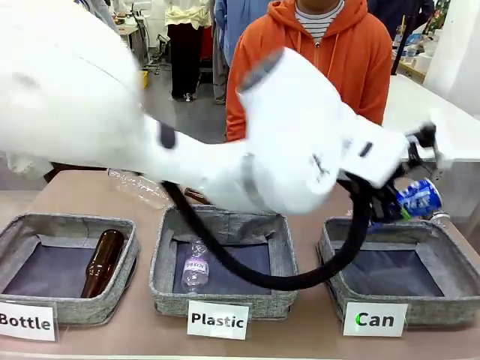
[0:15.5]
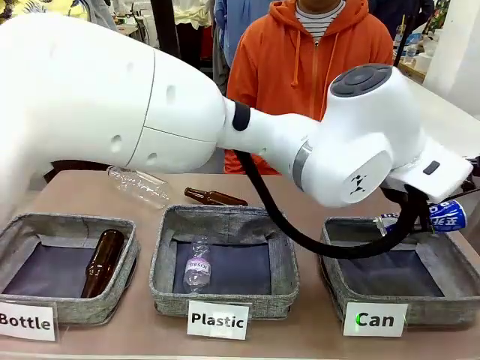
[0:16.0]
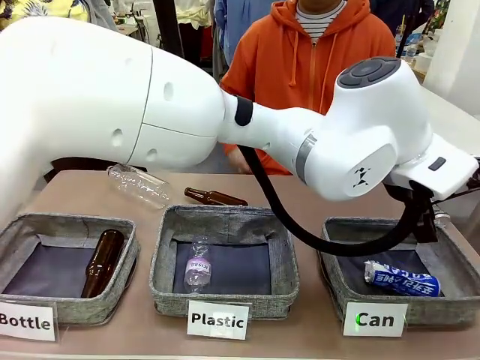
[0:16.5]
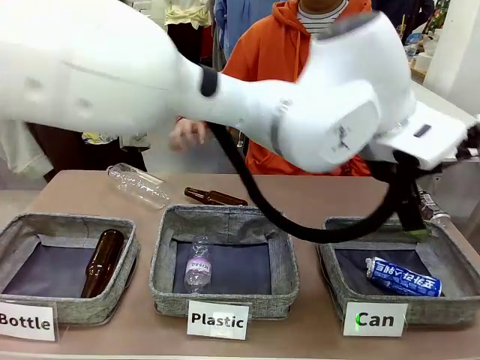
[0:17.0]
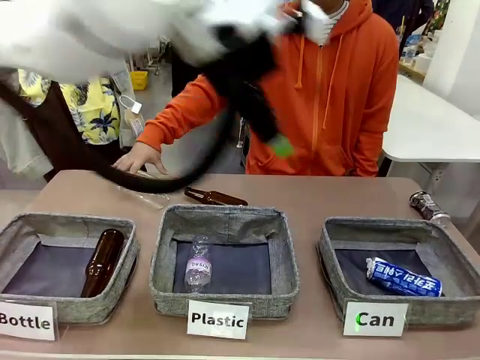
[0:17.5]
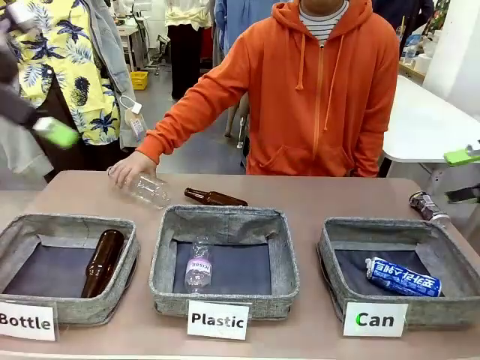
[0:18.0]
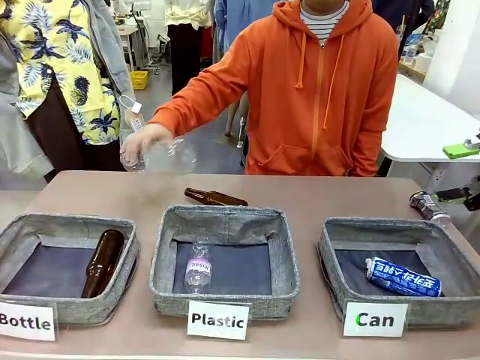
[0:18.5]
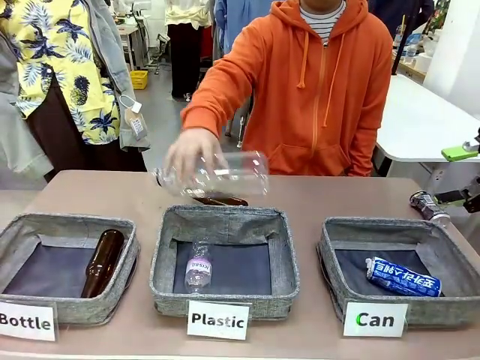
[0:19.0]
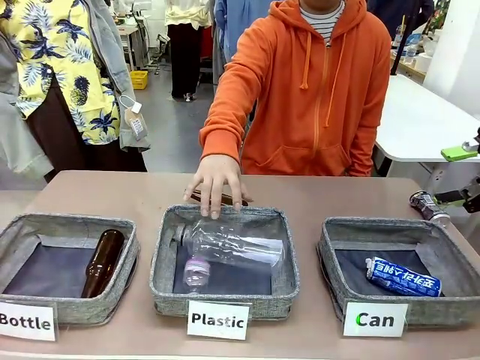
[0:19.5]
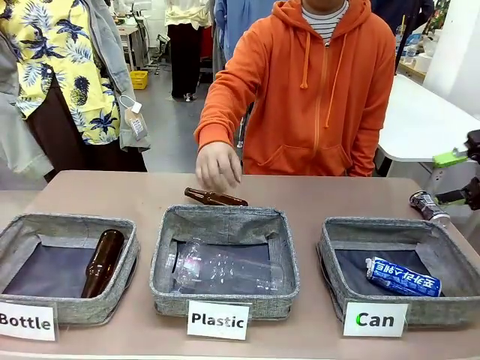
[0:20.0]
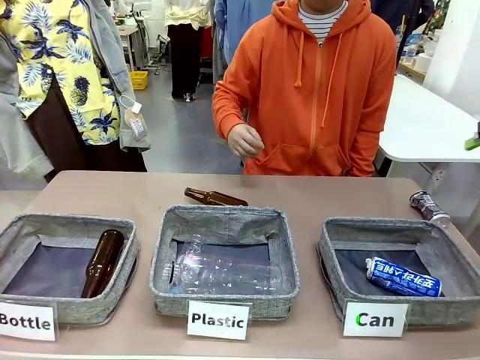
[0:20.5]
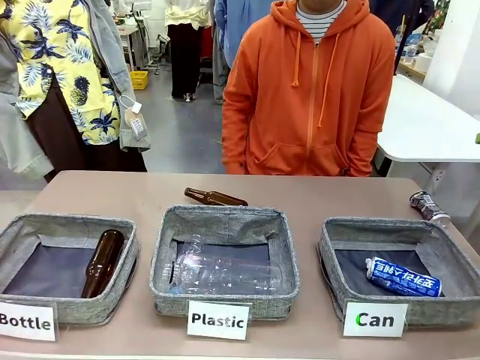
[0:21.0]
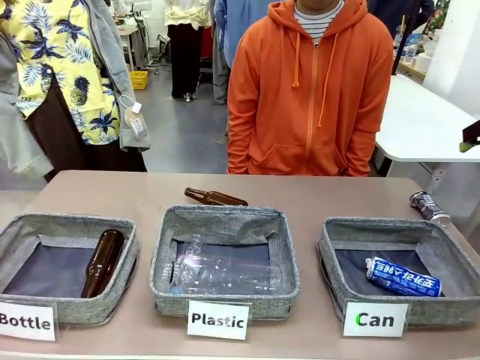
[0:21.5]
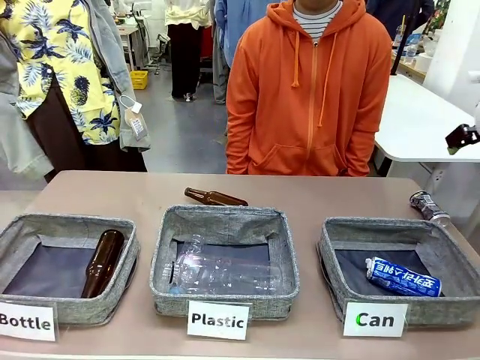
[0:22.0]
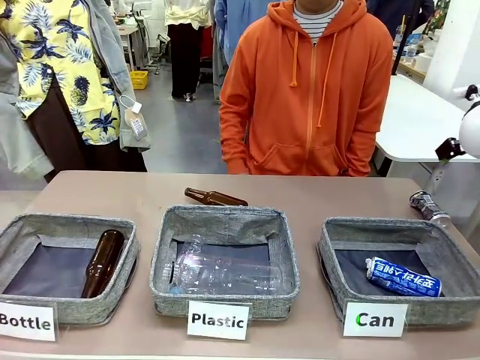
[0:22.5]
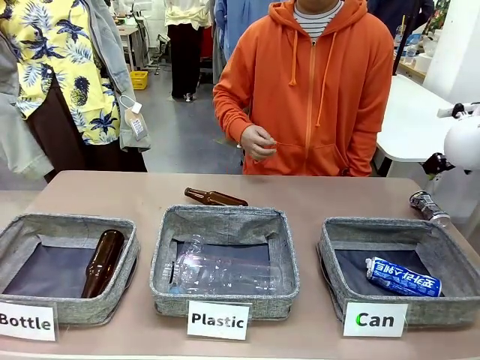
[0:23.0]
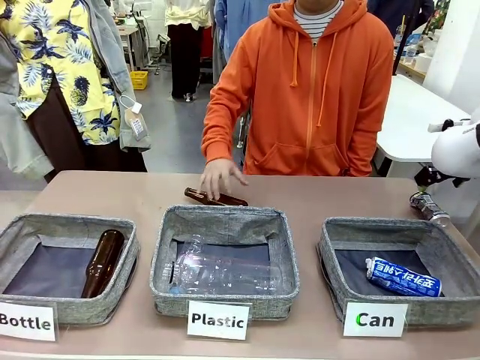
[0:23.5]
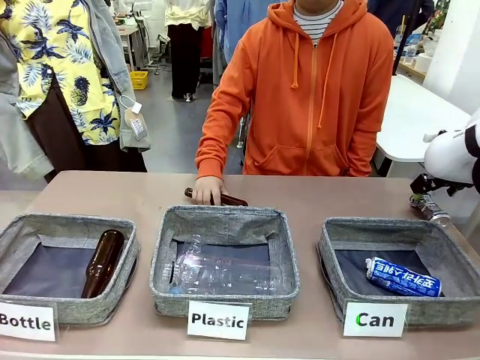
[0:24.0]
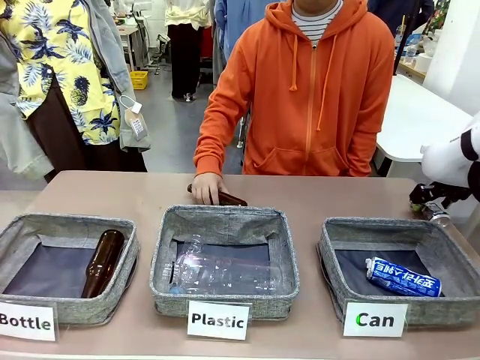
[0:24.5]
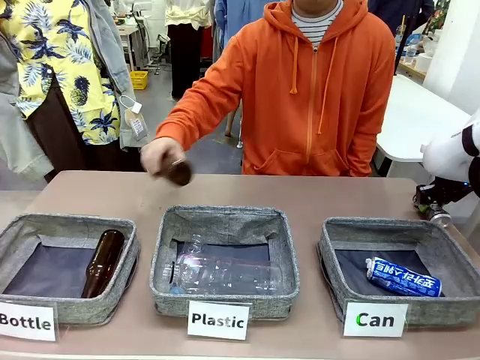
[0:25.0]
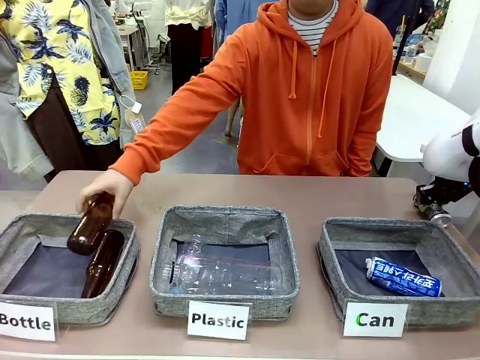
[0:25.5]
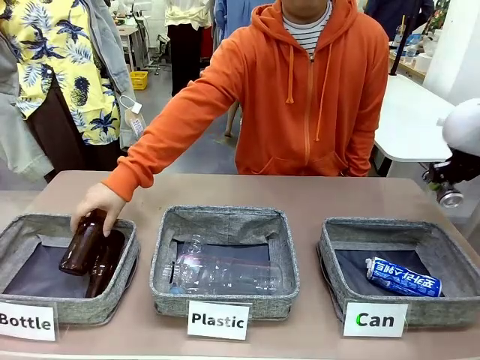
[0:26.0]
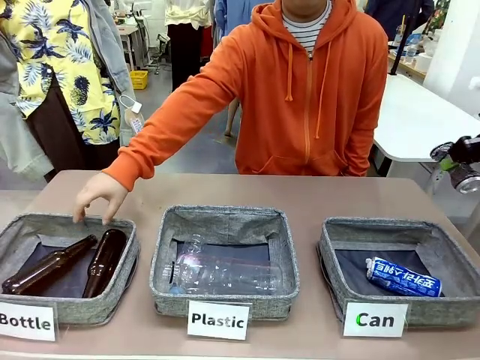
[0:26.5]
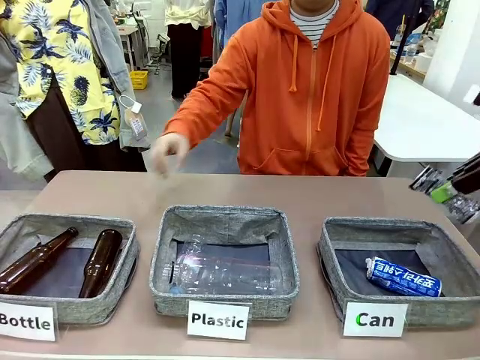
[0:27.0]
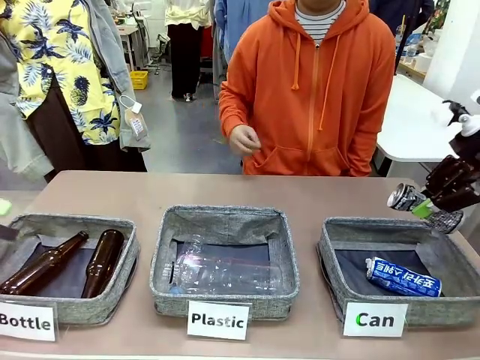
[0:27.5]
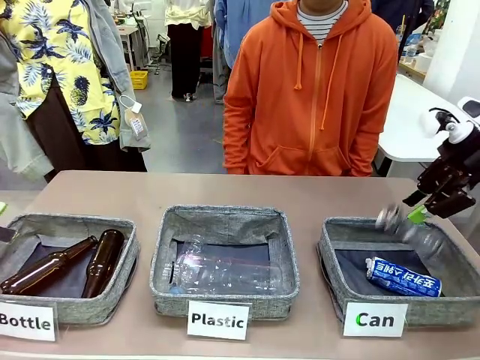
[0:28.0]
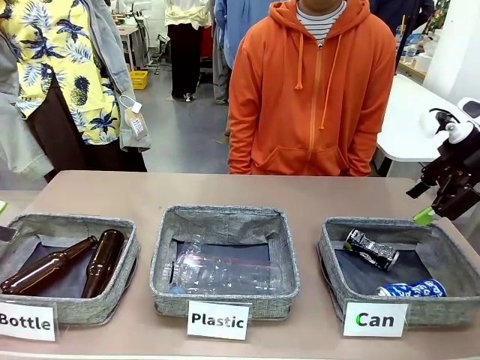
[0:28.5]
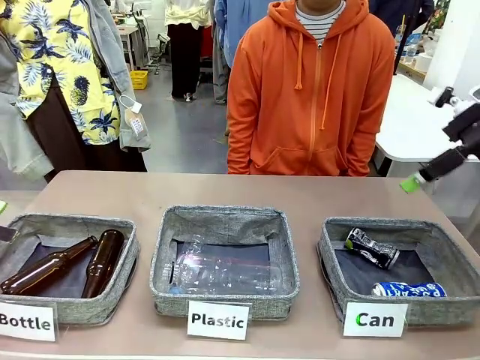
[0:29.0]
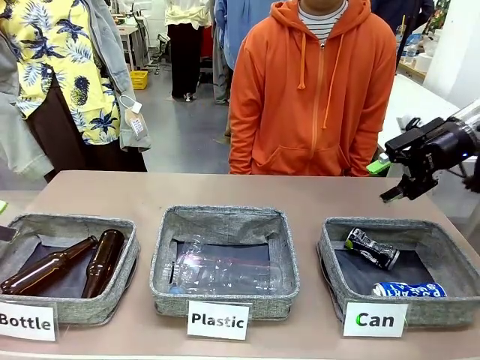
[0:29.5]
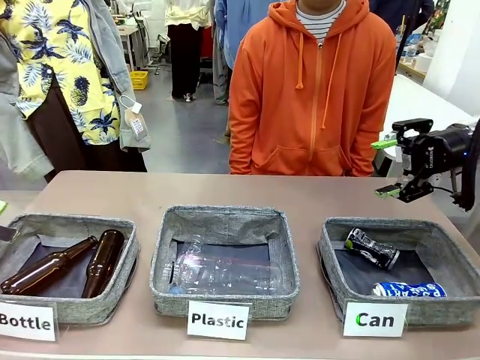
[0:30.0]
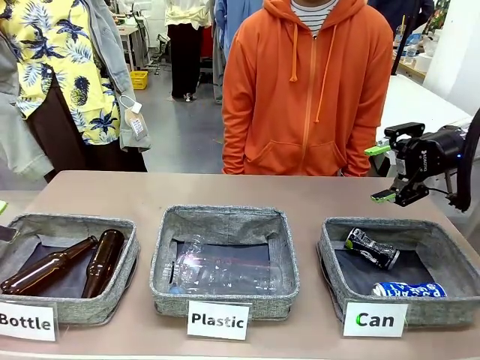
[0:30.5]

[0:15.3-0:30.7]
Task: Sort the can waste into the basket.
Robot: Pick up the can waste from the table and place it in the right Fabric basket.
Person: The human picks up one piece of trash that is not a can and places the trash into the appropriate organizing basket.

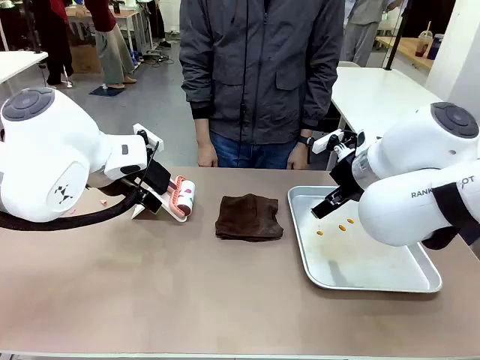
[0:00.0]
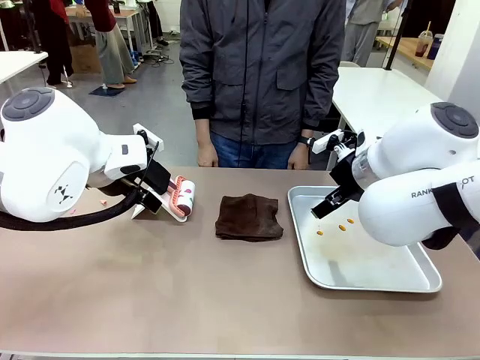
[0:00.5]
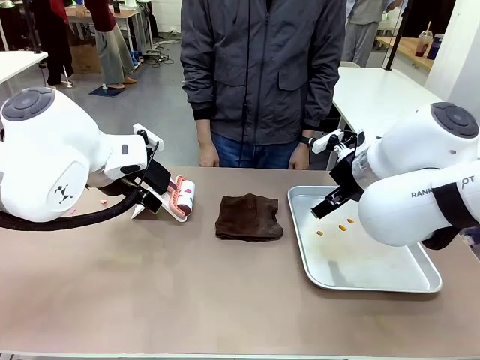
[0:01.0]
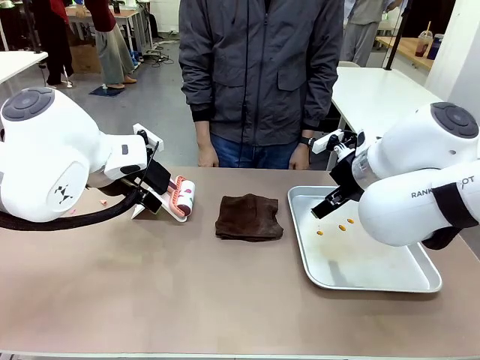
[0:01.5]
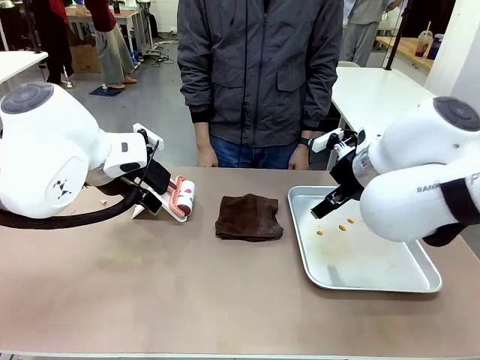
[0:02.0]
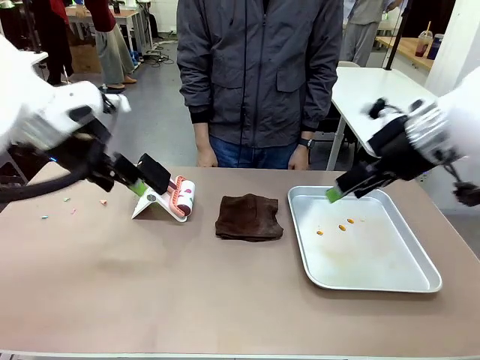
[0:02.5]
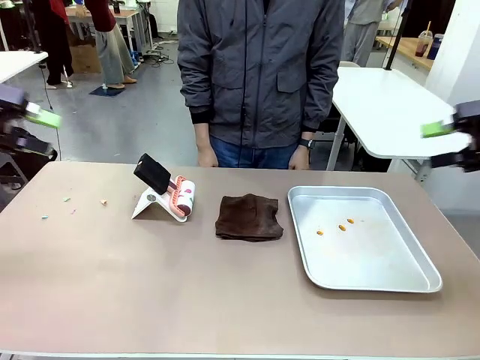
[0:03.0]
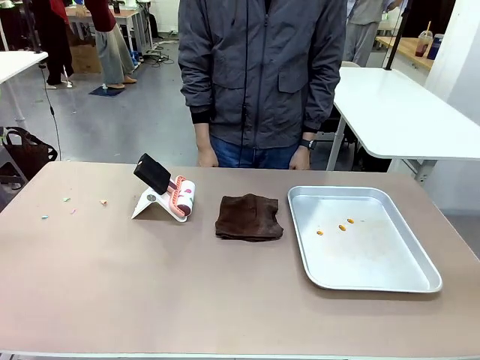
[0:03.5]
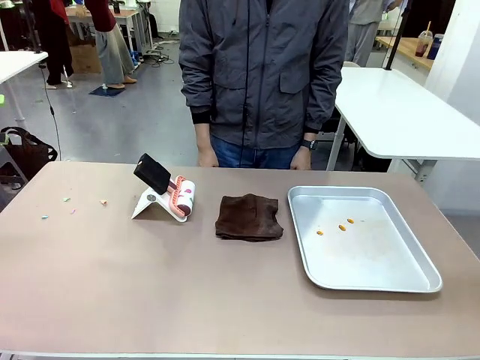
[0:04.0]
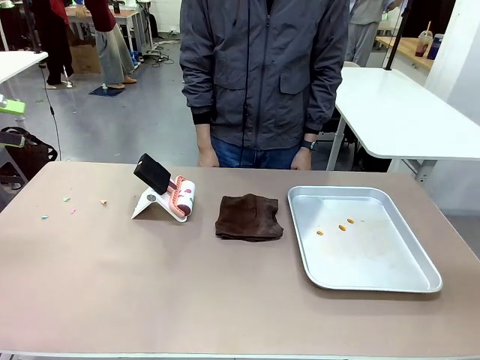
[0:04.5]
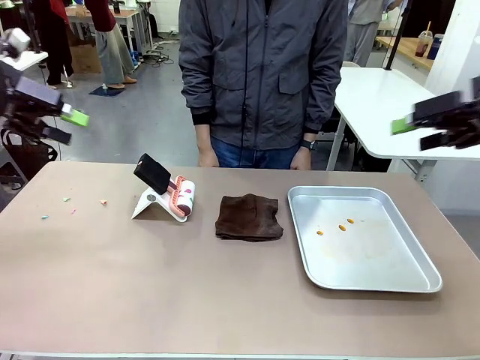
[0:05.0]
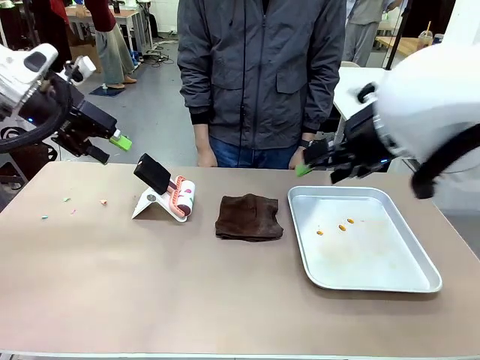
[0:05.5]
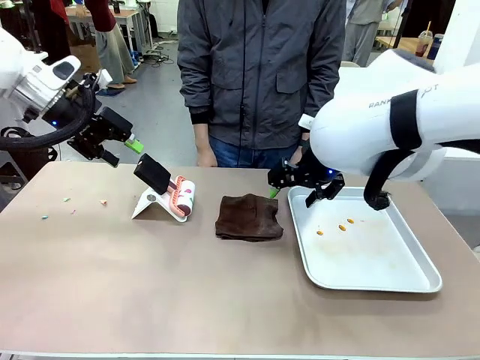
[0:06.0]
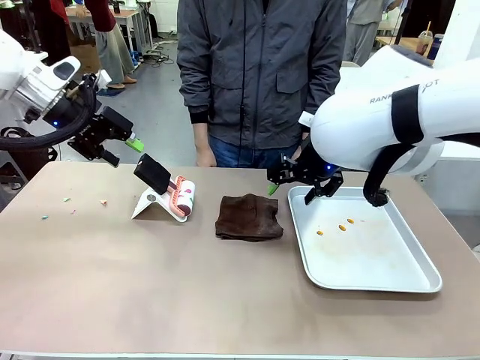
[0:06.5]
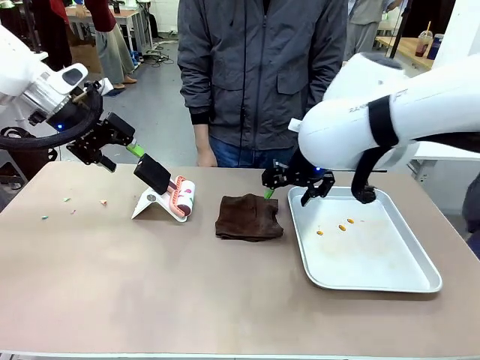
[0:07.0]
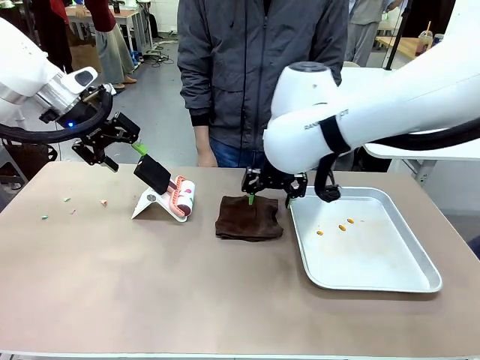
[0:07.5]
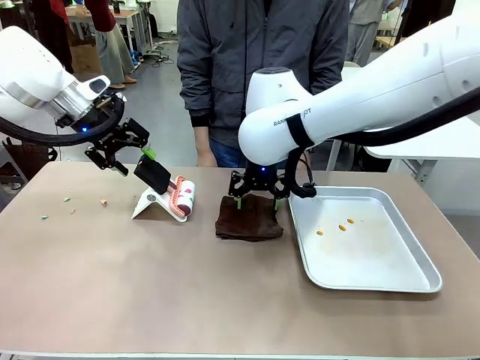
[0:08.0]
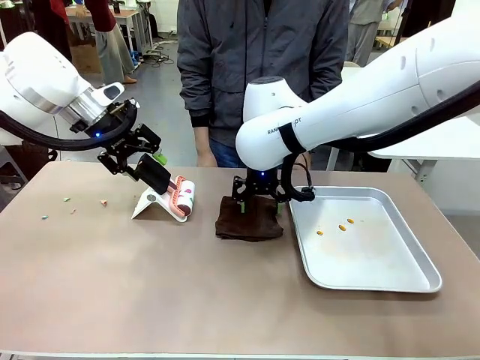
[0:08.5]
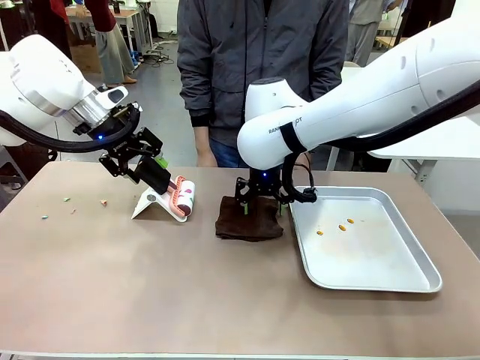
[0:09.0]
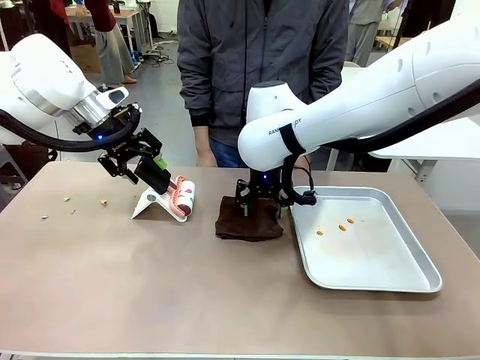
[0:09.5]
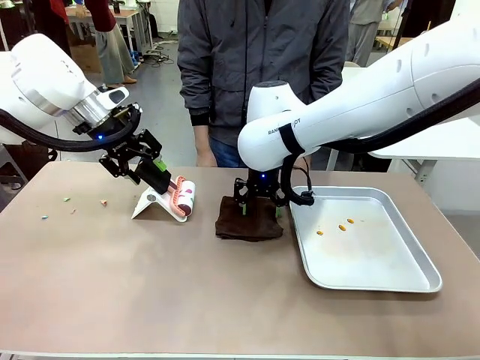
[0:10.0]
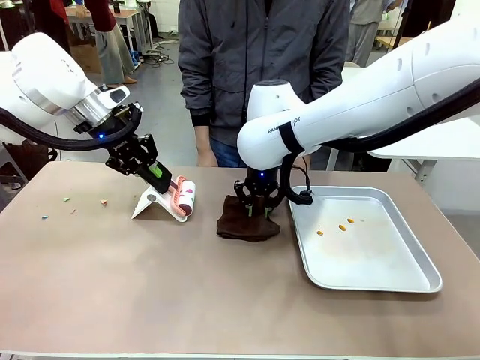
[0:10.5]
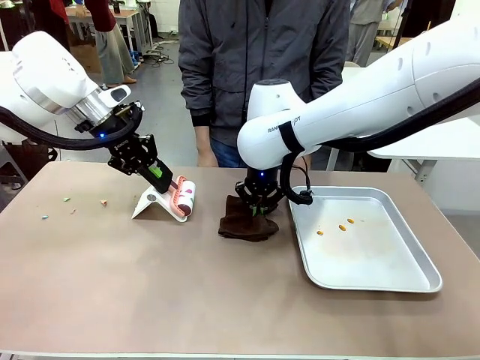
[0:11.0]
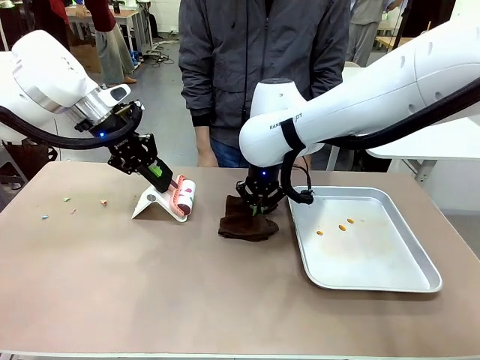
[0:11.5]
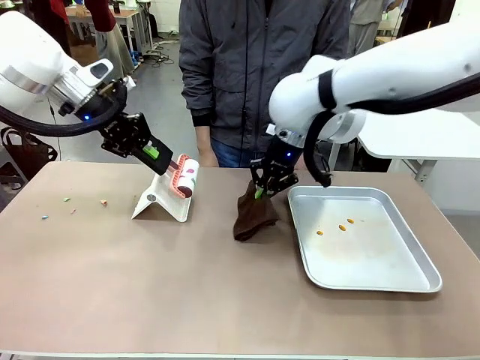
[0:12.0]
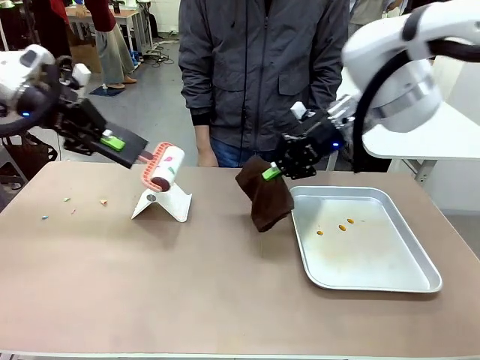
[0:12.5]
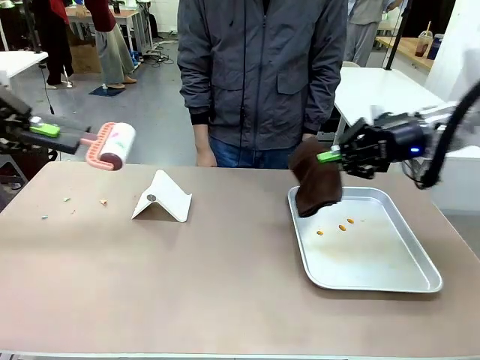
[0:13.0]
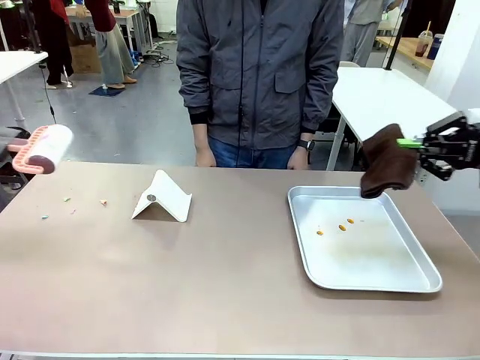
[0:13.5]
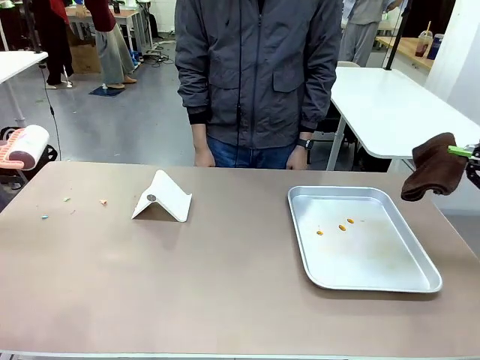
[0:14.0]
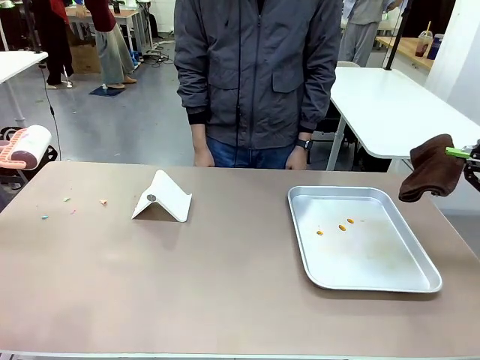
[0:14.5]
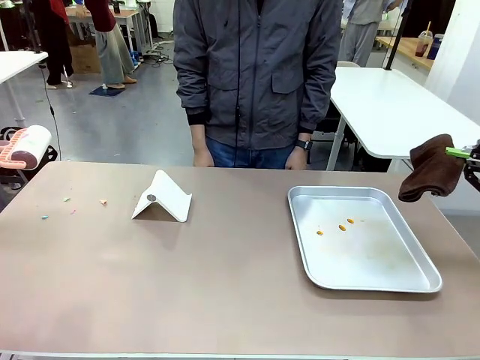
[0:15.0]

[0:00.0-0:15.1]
Task: Clean the surface of the table.
Robot: Hold the Lint Roller with your left hand and the towel with your right hand.
